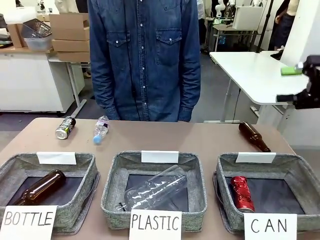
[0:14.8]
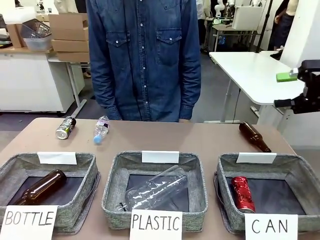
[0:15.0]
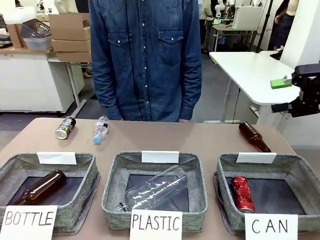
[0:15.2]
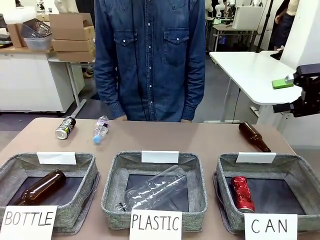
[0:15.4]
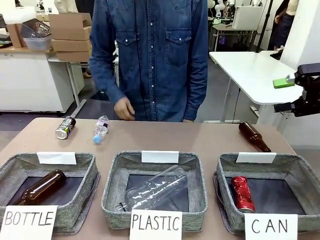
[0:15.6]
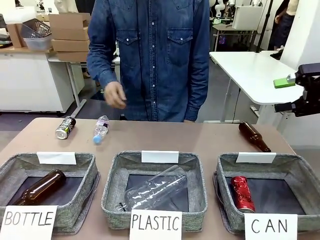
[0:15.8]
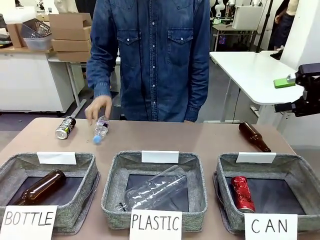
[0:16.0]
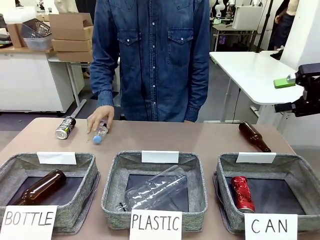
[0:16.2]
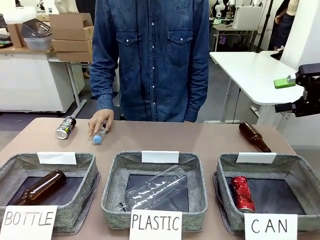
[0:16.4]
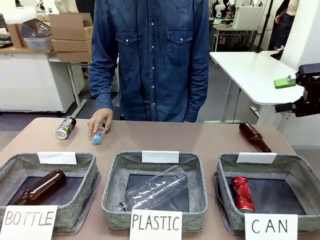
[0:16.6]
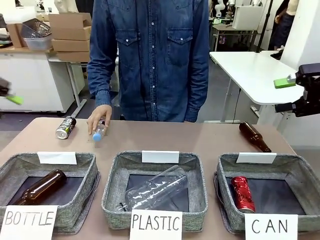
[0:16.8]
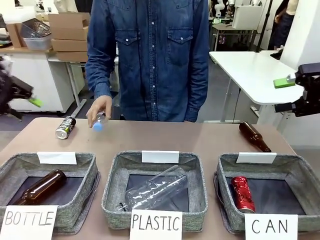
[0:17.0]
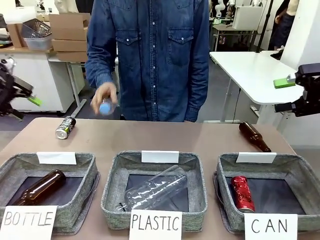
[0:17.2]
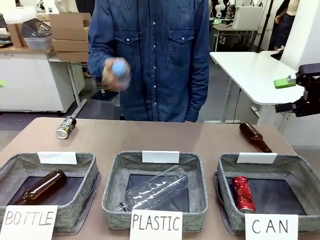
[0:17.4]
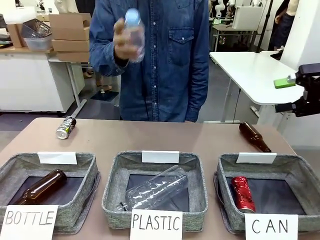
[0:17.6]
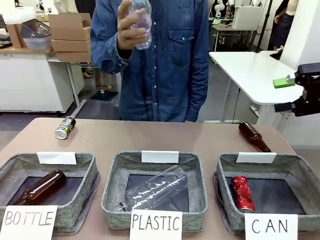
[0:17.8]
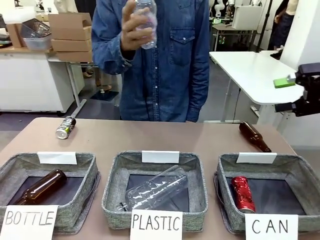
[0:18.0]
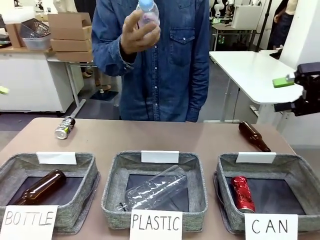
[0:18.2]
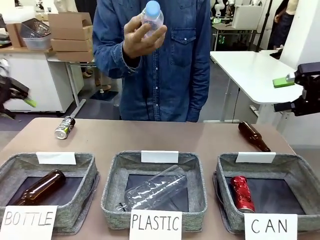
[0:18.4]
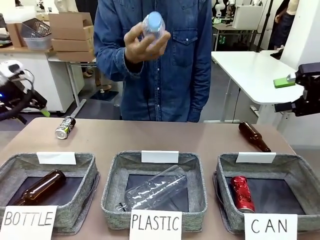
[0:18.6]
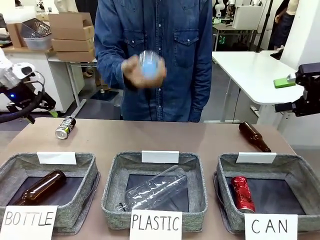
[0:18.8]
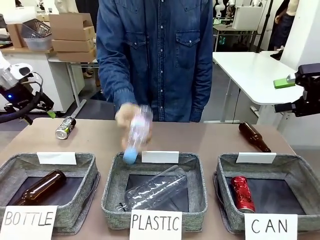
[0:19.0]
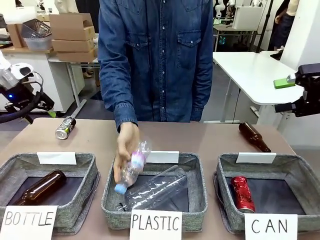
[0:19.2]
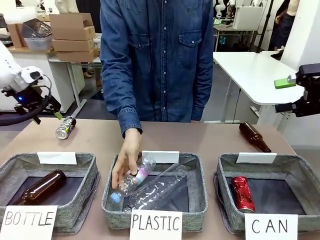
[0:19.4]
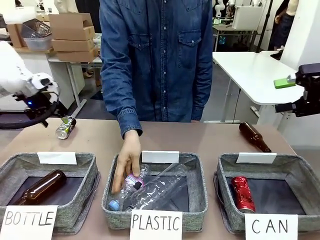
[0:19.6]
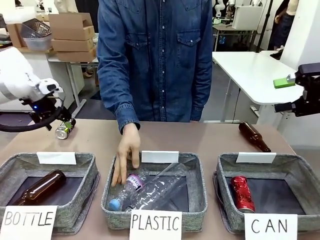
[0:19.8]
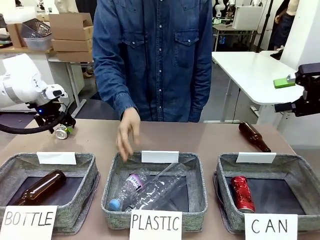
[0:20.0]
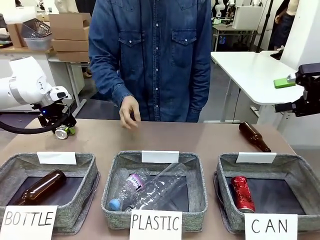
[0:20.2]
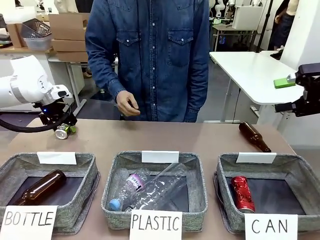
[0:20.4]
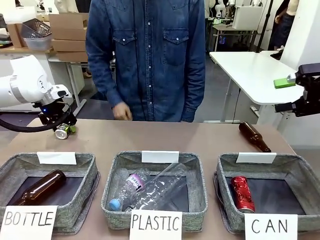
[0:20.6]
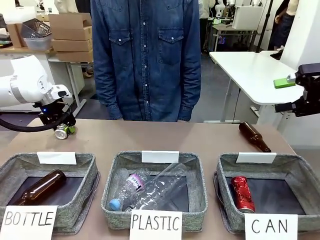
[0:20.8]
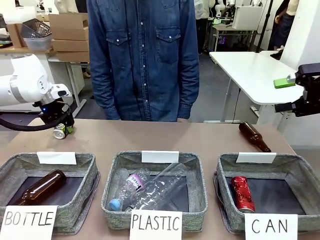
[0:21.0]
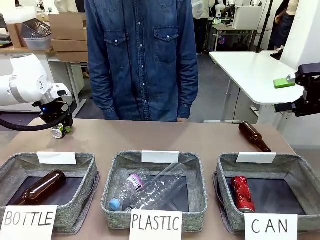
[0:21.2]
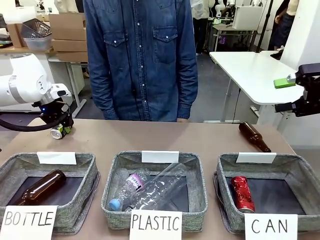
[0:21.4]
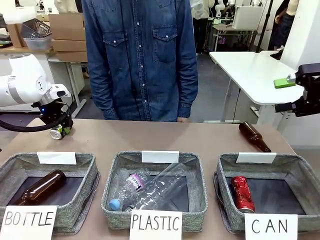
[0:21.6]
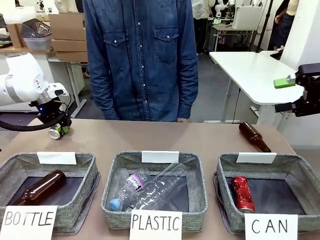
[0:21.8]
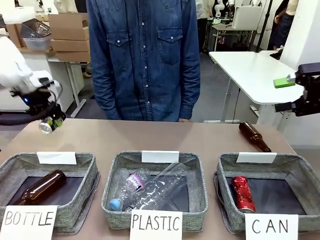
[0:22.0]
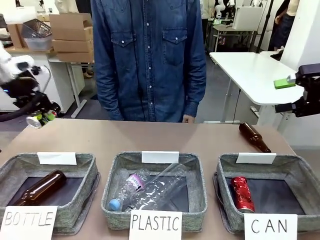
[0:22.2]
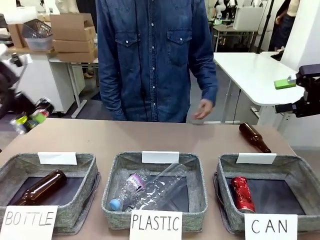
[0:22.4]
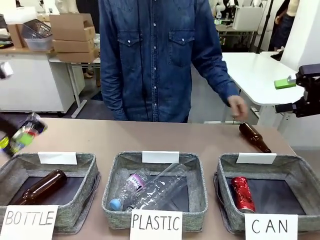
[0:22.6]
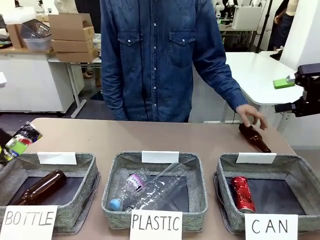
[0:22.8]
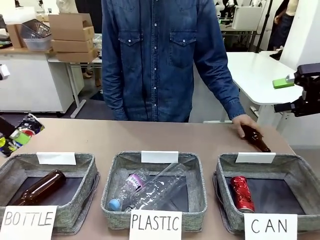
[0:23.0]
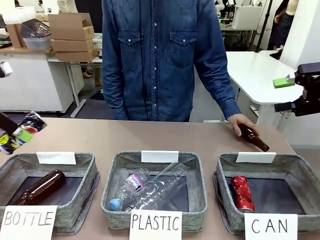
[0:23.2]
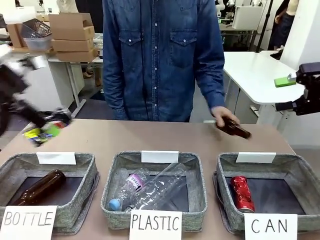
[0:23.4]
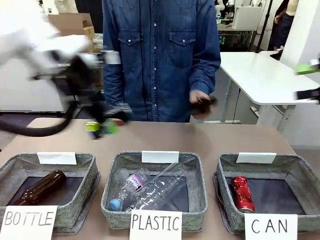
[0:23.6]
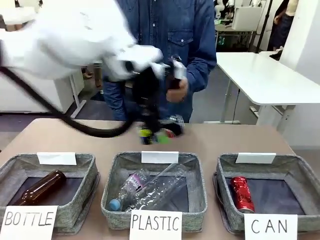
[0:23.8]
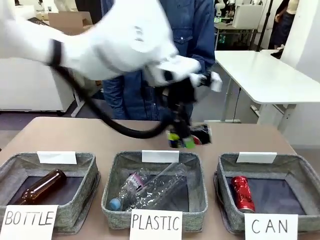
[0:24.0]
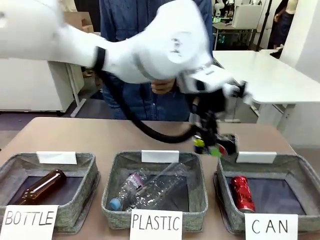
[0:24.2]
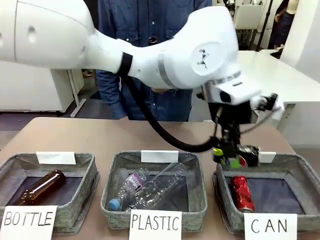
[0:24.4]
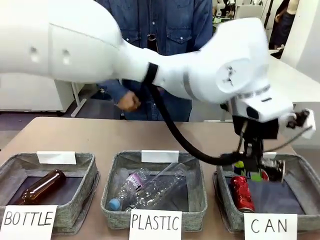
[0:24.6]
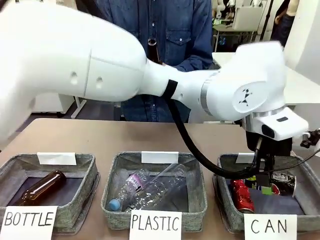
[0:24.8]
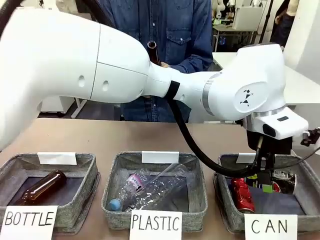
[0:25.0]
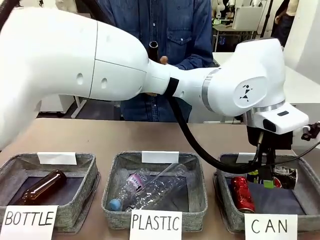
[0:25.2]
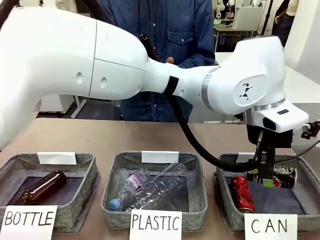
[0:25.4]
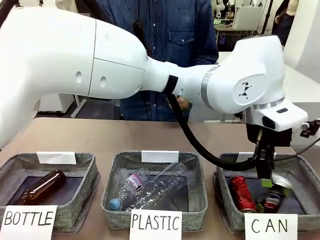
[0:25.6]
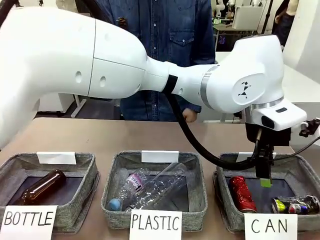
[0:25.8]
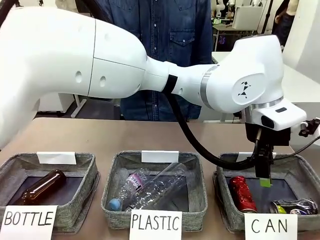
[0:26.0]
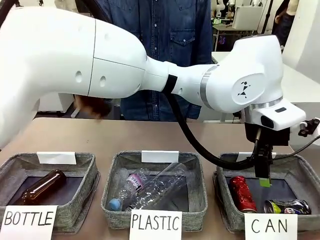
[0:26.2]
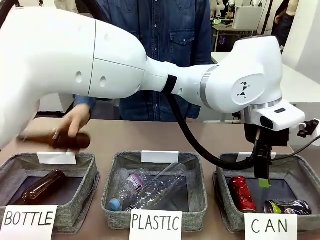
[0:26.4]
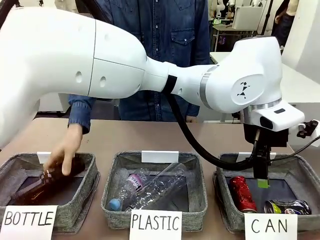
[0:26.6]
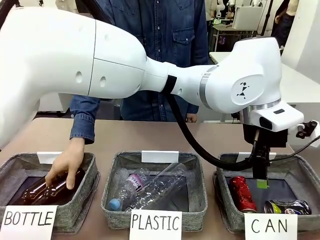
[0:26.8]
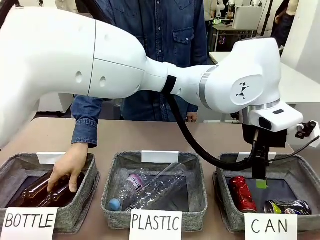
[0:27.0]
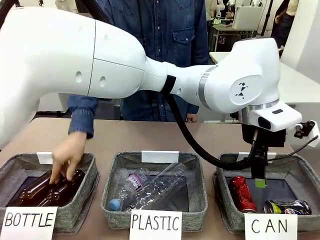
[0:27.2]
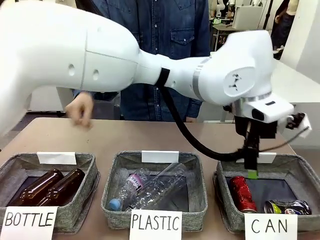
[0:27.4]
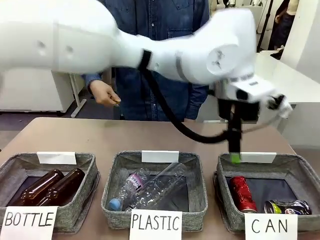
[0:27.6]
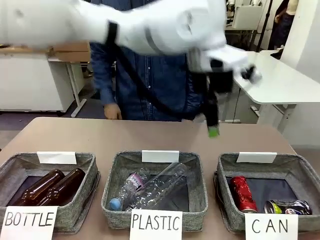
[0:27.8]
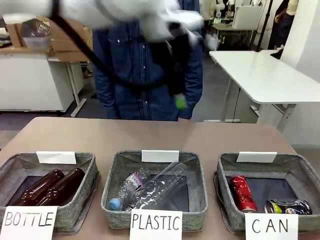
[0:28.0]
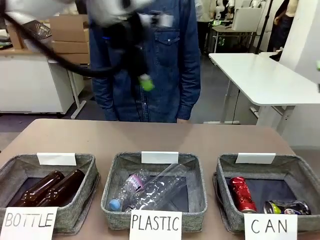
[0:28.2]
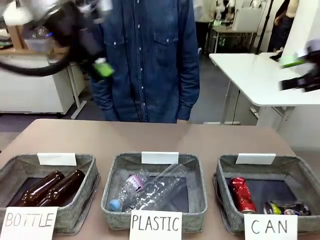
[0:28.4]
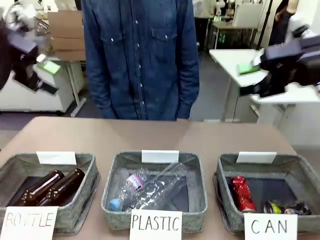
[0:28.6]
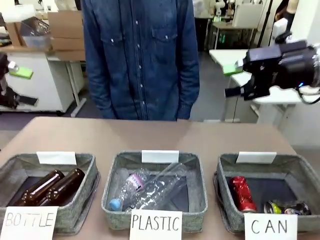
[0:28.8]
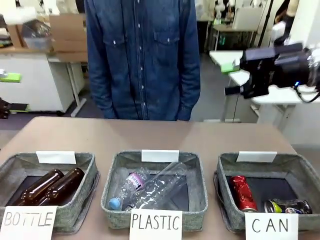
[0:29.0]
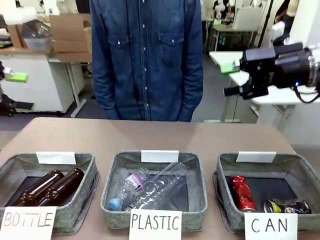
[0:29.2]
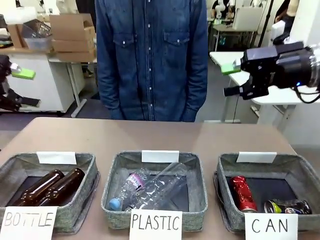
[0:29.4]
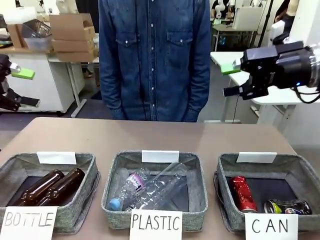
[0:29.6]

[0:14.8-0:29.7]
Task: Sort the can waste into the basket.
Robot: Pick up the can waste from the table and place it in the right Fabric basket.
Person: The human picks up one piece of trash that is not a can and places the trash into the appropriate organizing basket.
